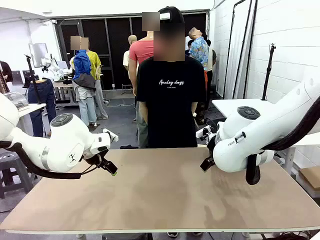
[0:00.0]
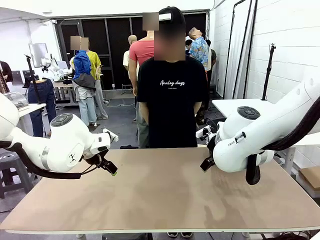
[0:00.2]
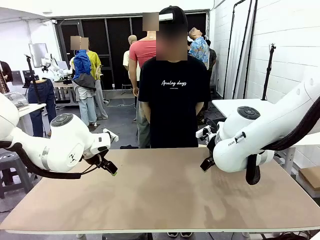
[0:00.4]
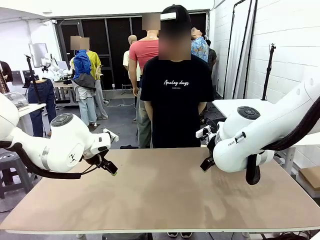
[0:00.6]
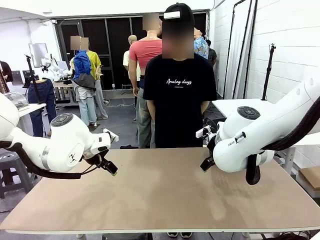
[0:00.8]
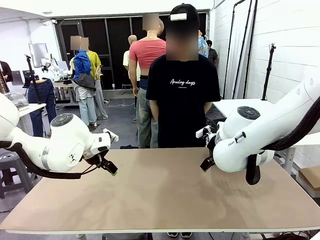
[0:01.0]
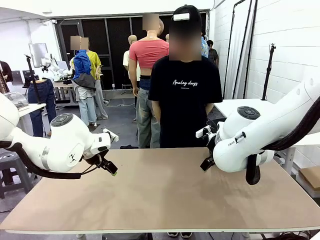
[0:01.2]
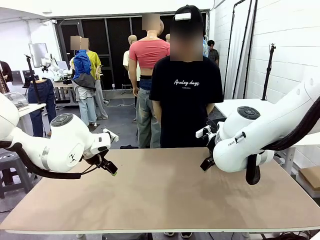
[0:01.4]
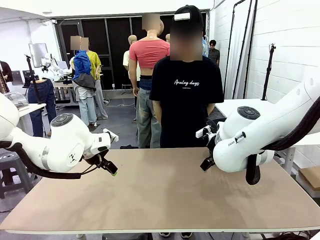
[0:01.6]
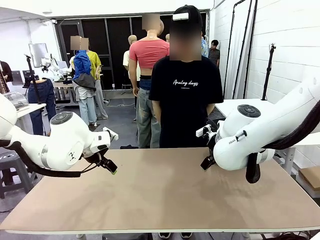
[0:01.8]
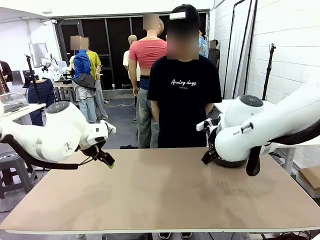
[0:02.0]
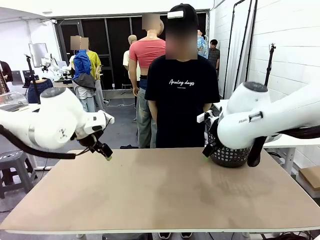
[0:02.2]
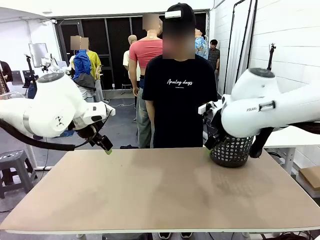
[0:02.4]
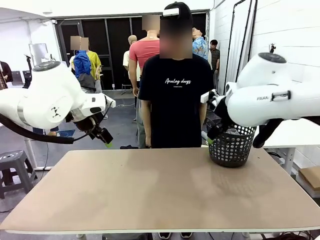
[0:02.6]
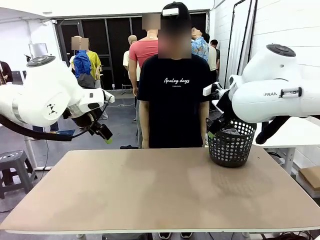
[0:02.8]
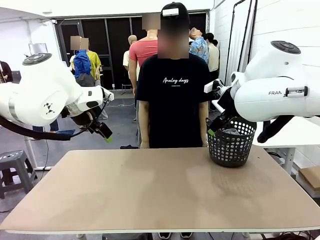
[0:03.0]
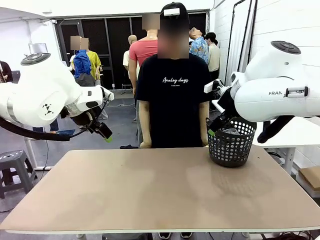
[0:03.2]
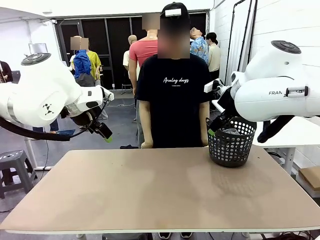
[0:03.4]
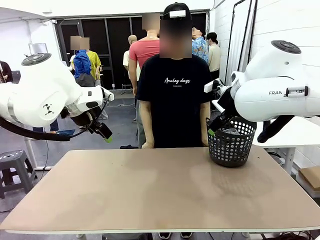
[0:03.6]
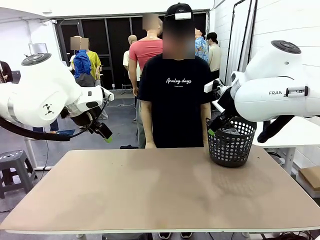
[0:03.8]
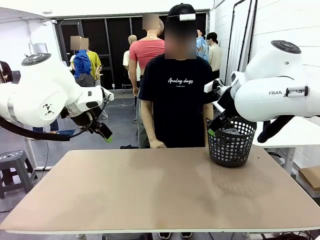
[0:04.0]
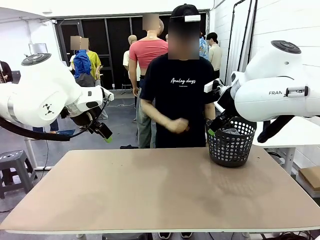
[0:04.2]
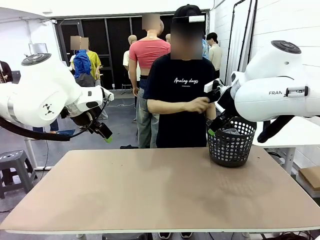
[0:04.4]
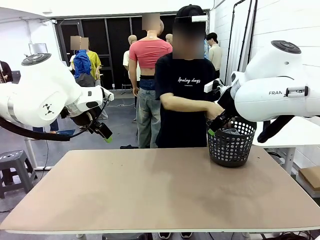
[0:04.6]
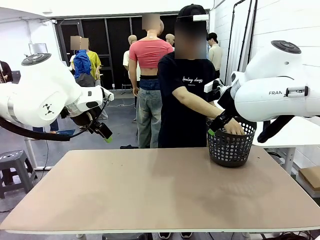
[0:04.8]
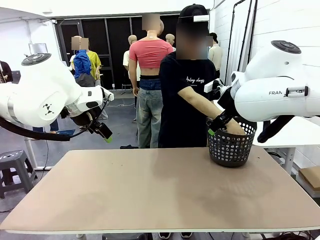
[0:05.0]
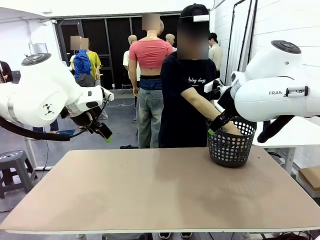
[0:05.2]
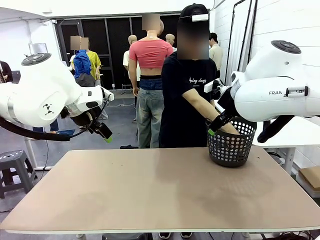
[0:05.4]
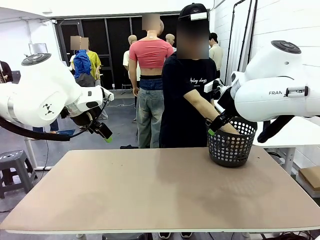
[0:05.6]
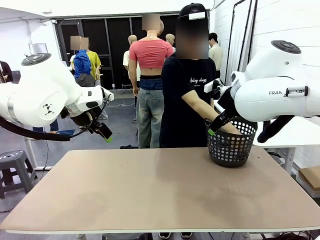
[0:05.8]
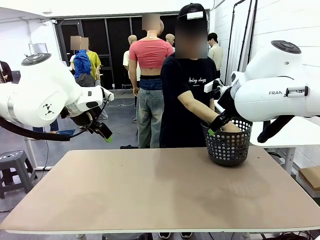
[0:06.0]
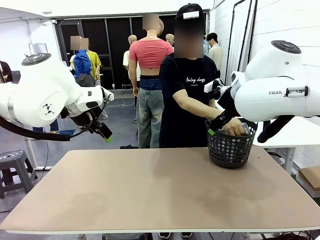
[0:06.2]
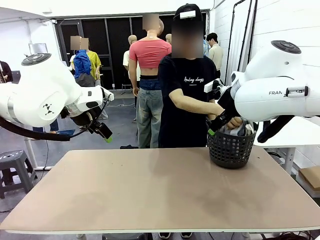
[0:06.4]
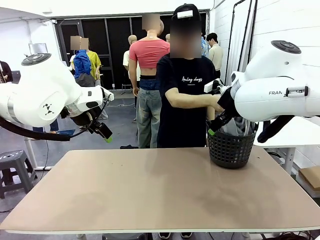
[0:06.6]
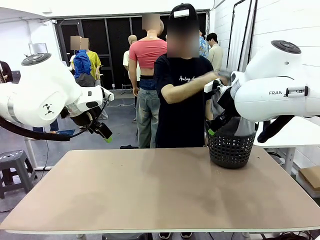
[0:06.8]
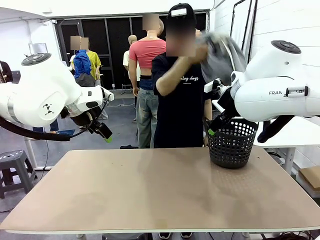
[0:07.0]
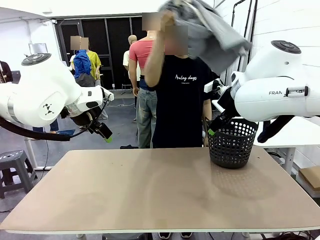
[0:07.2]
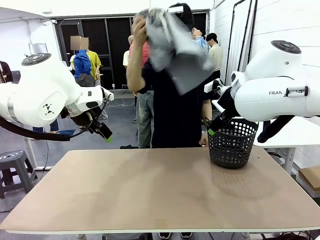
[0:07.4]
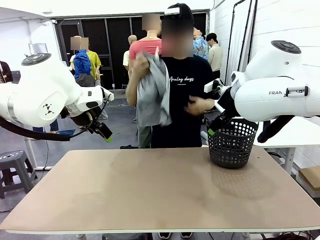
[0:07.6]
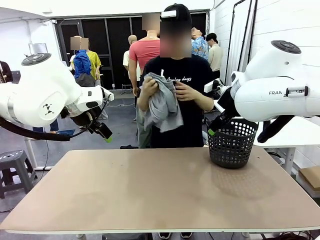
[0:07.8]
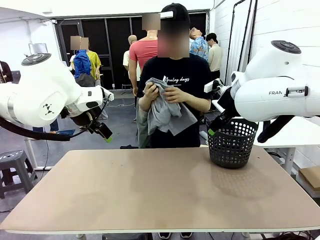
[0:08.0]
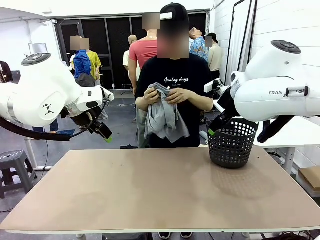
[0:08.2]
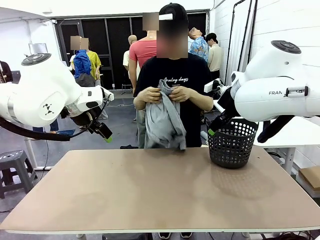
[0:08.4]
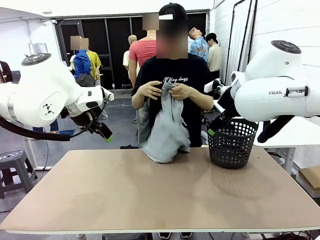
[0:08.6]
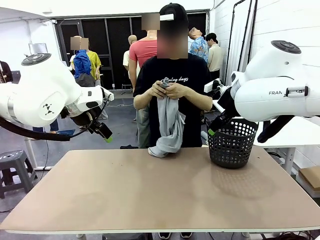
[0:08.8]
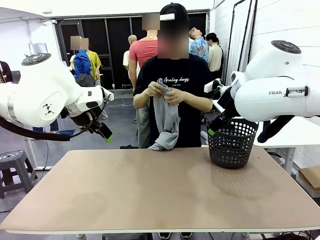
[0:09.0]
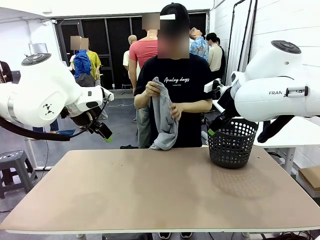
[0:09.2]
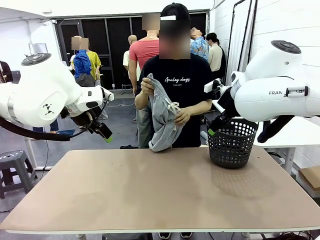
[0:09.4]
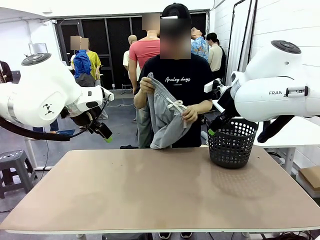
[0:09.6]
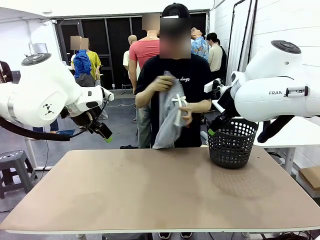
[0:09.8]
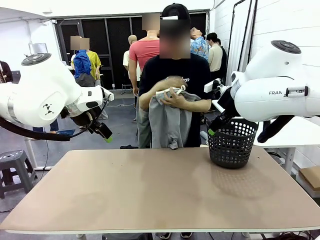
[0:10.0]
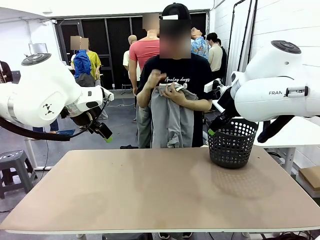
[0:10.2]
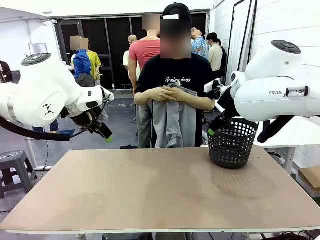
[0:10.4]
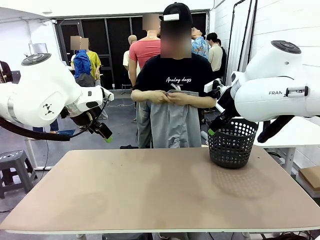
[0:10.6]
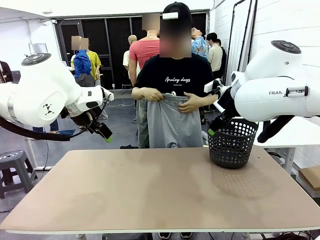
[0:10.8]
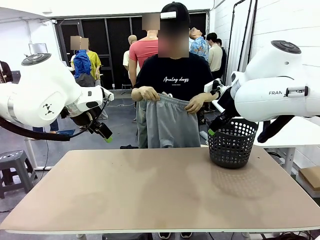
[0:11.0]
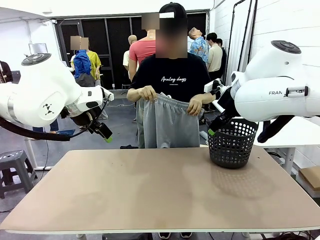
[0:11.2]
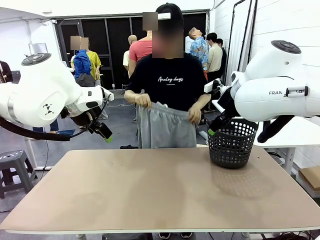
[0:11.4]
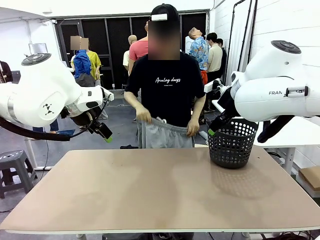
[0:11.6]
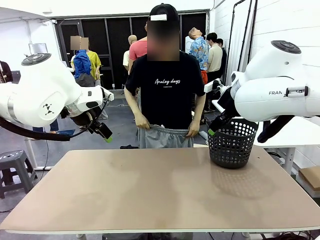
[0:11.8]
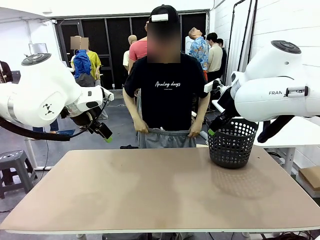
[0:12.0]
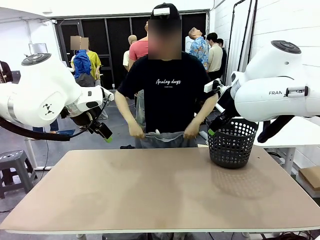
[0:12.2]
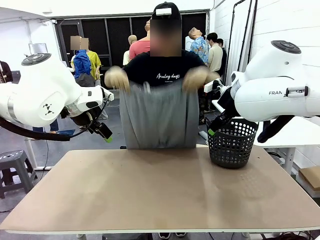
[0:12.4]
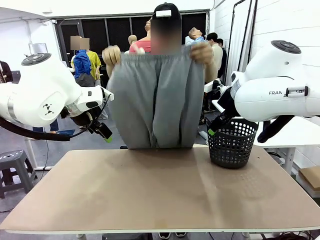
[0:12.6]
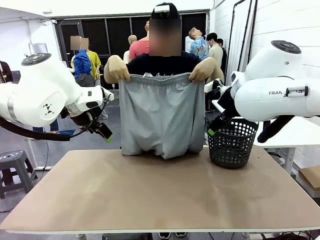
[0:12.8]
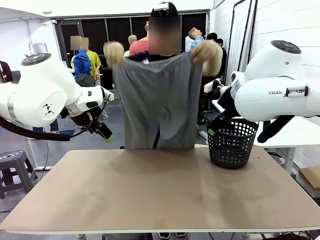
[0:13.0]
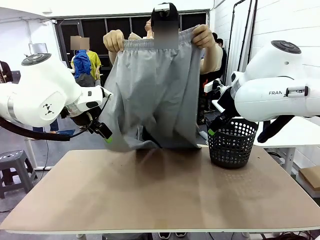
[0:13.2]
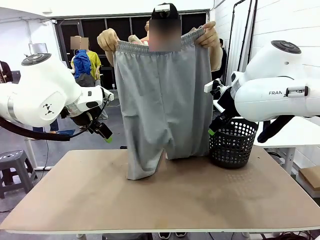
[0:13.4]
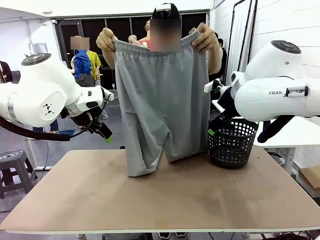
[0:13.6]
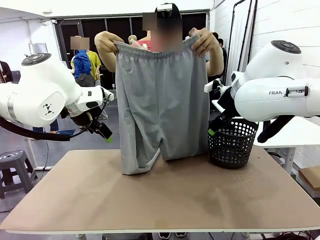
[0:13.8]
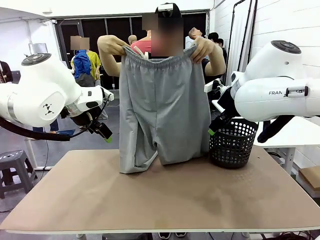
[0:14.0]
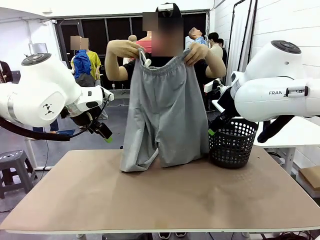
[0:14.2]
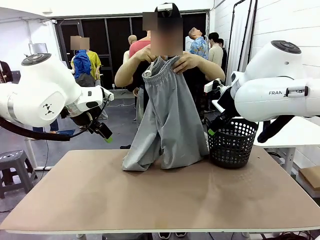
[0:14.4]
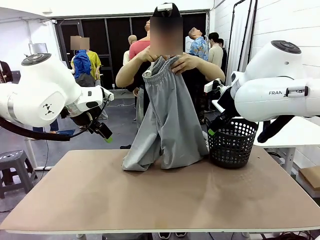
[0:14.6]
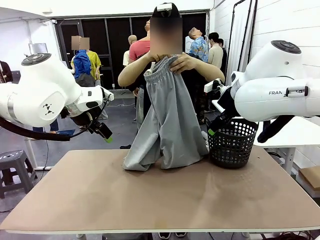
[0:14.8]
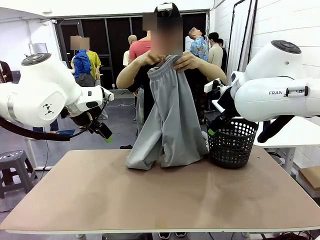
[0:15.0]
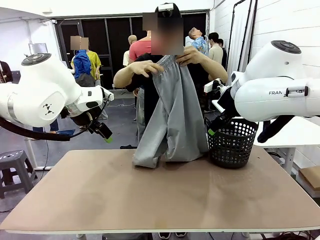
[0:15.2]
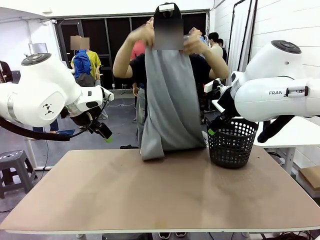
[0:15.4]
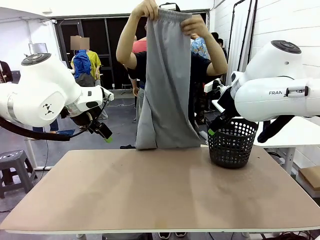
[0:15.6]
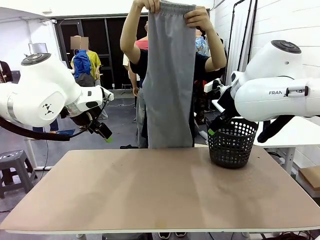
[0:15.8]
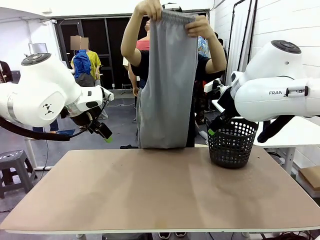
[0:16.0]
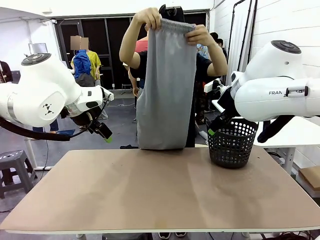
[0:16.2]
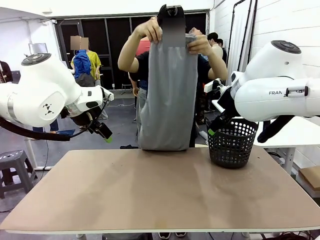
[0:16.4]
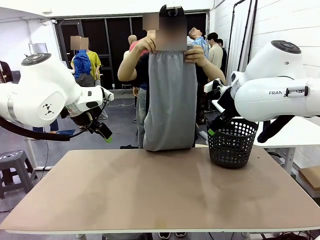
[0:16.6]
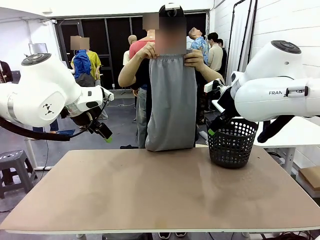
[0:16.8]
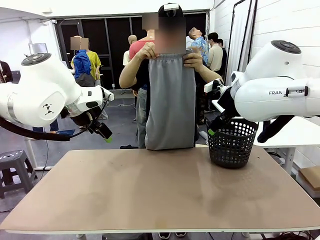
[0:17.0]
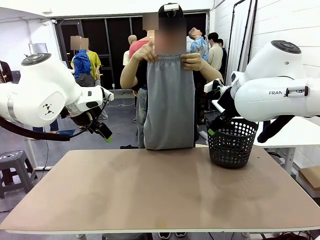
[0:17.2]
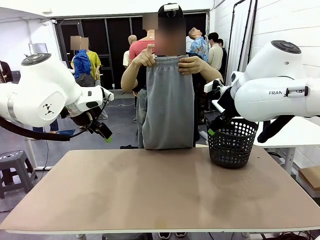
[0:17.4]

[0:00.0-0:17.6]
Task: Fold the training pants.
Robot: Grab both ends of the Training pants handed by a person.
Person: Take the long pants out of the laundry basket, unfold them, fold the waist in half, and extend them so the robot can pick up both corners.
